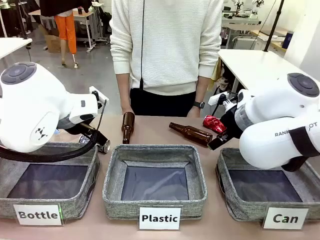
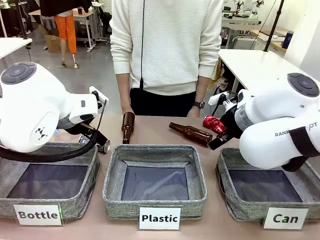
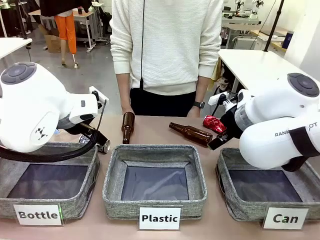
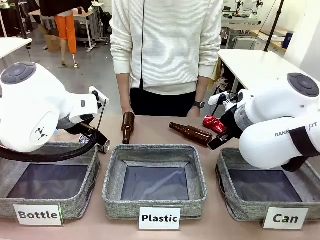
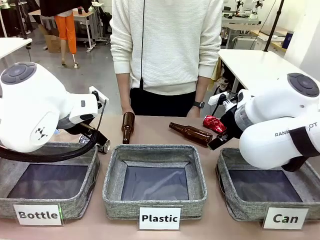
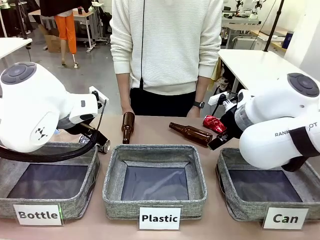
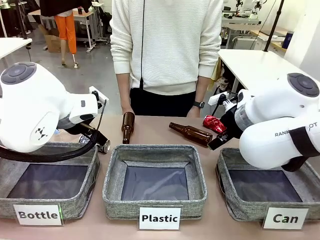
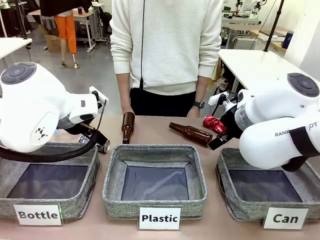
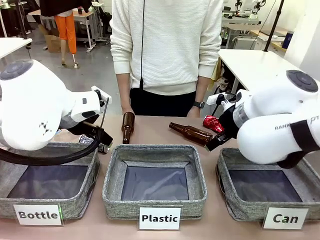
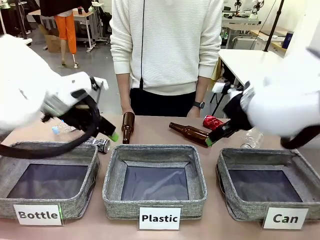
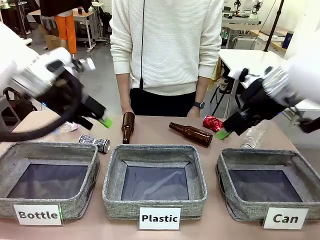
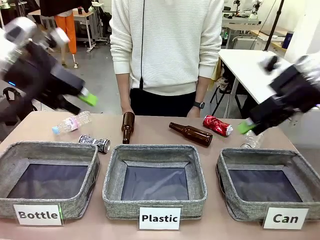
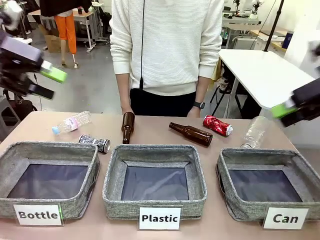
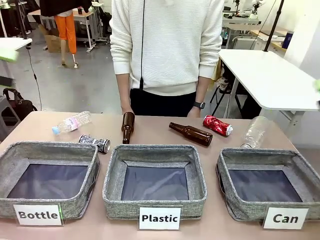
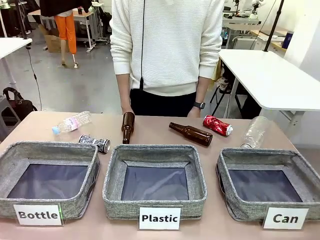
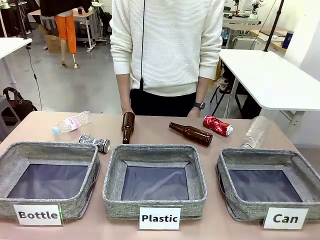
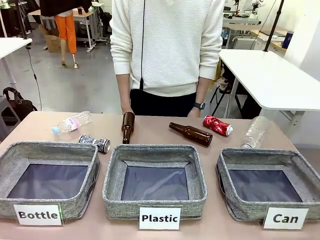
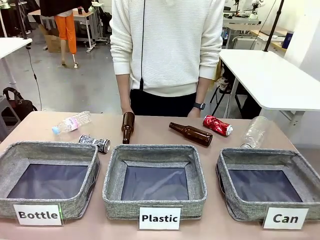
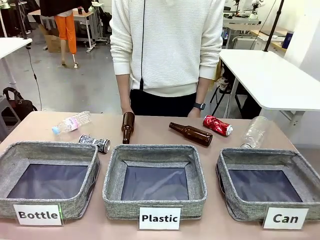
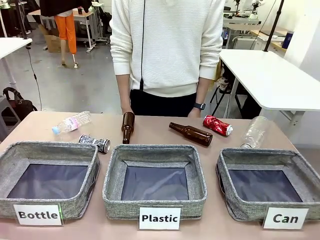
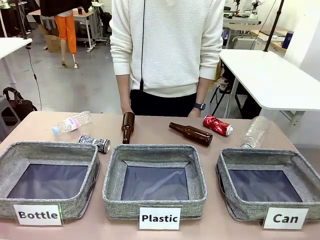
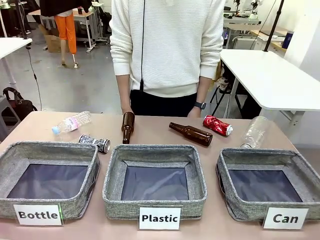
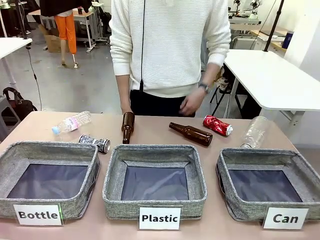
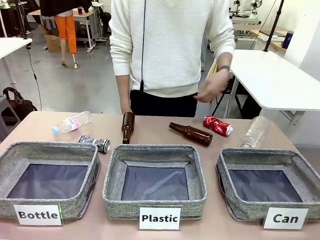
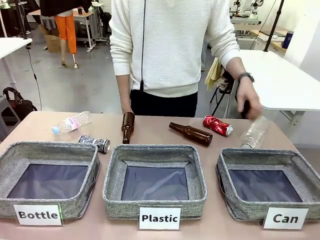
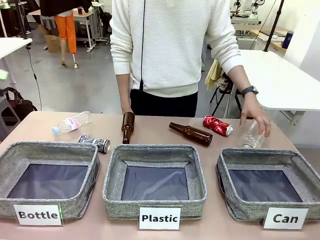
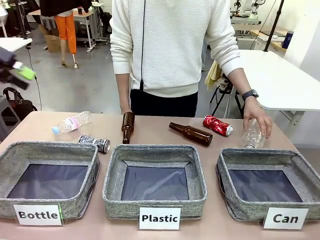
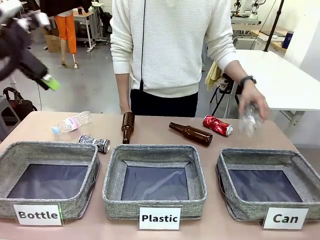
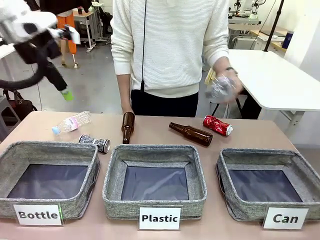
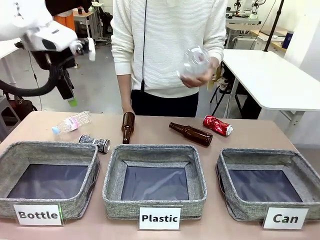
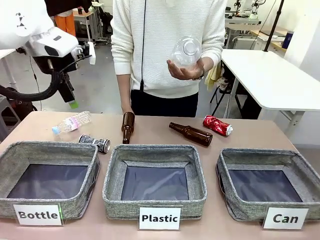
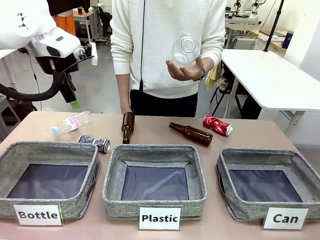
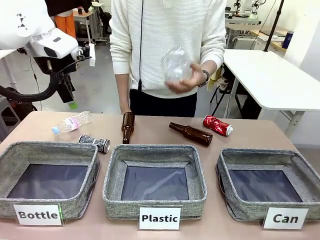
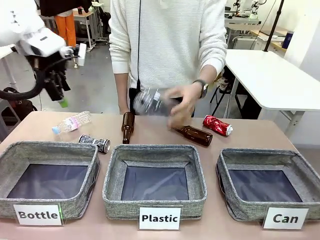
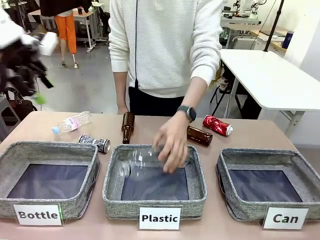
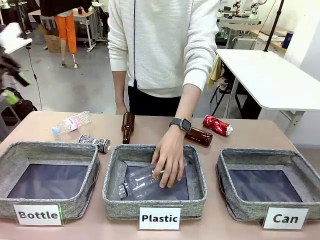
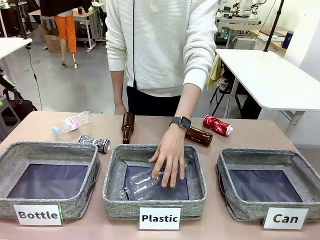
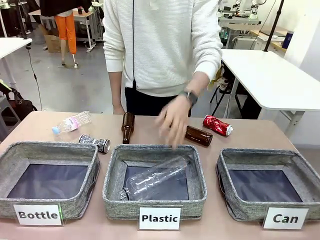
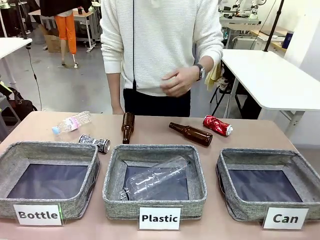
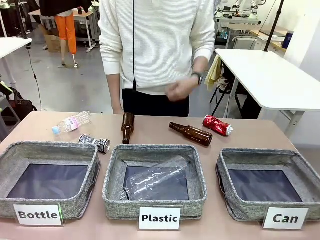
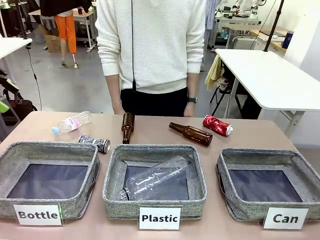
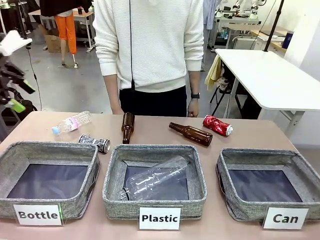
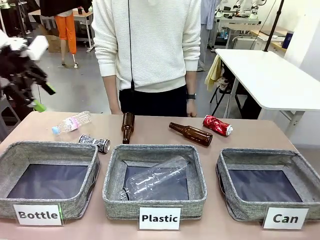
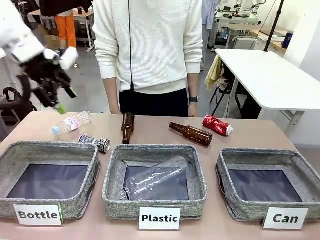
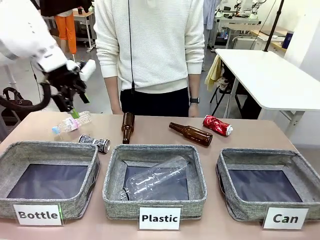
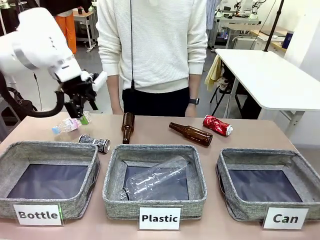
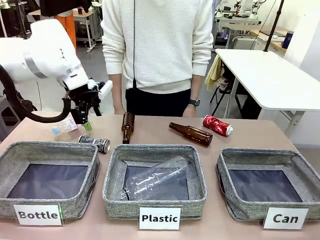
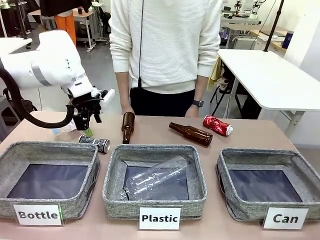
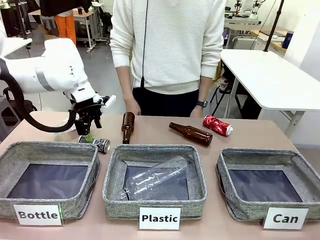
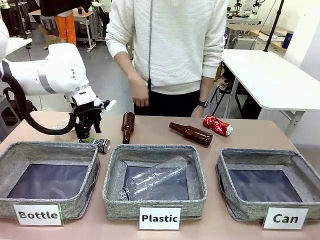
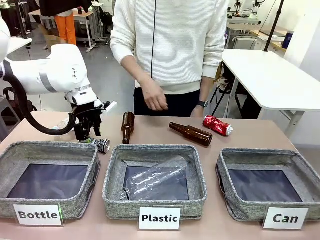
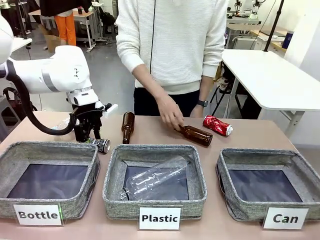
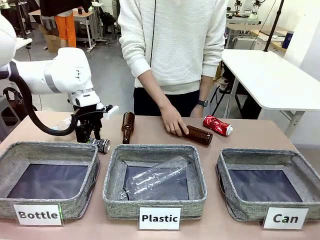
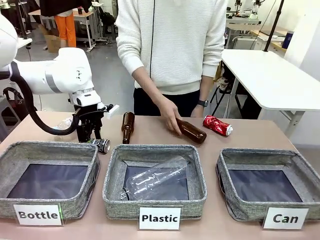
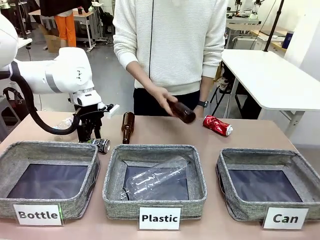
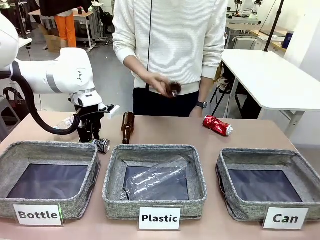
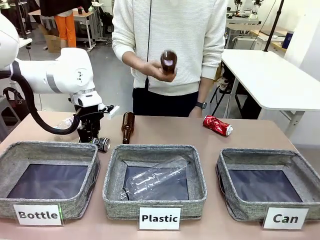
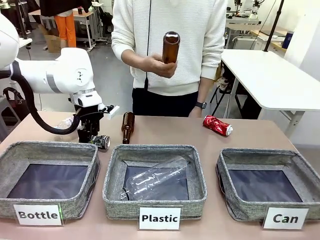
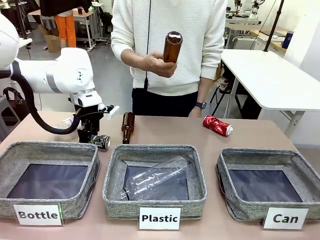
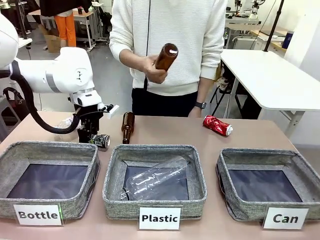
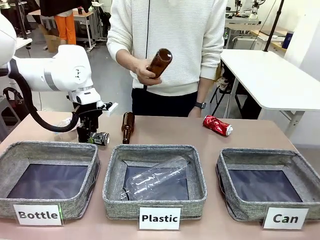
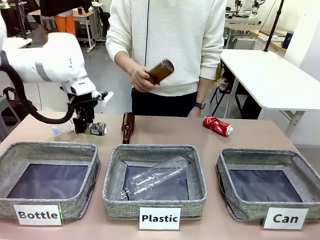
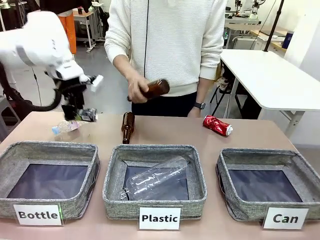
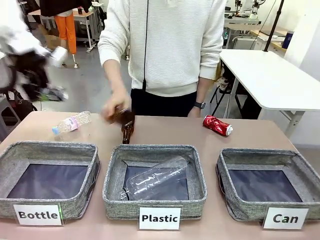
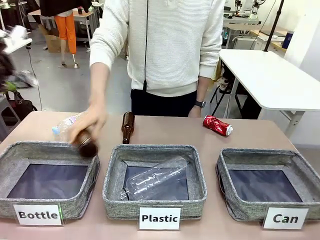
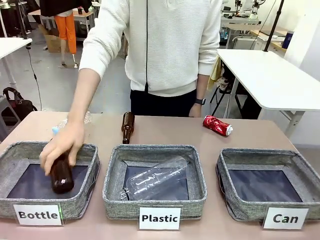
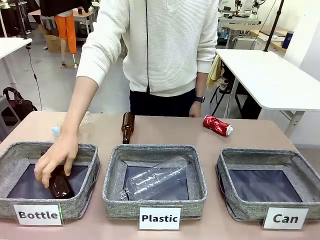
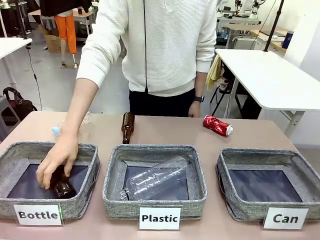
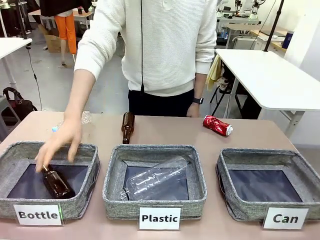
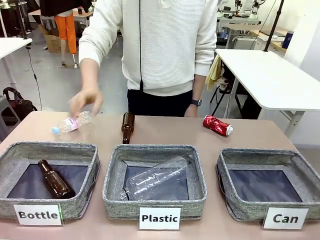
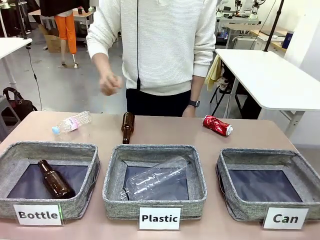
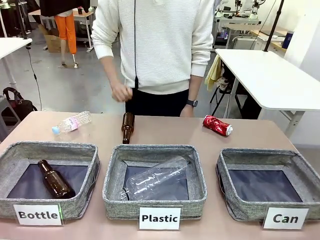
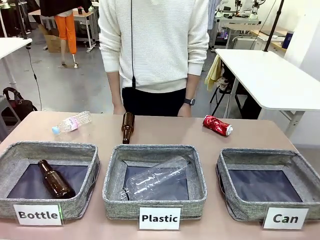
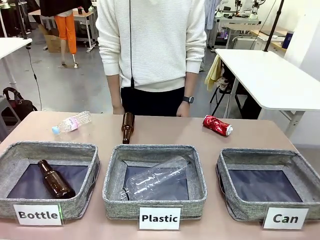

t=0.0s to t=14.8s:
Task: Sort the can waste into the basket.
Robot: Pick up the can waste from the table and place it in the right Fabric basket.
